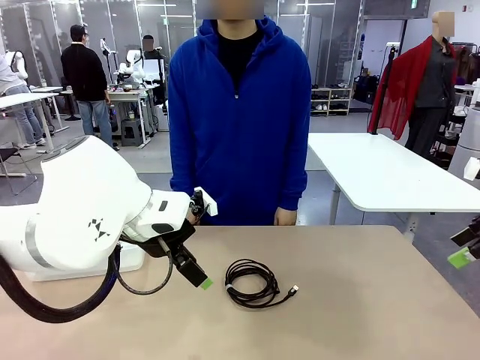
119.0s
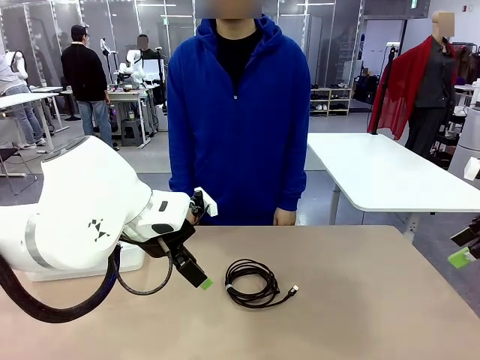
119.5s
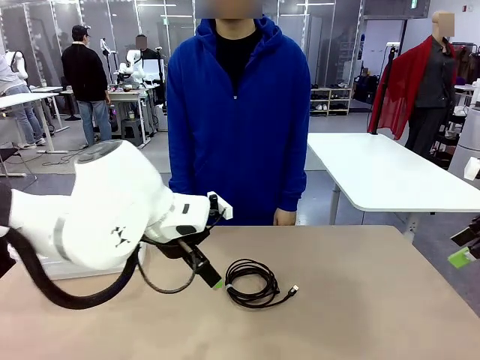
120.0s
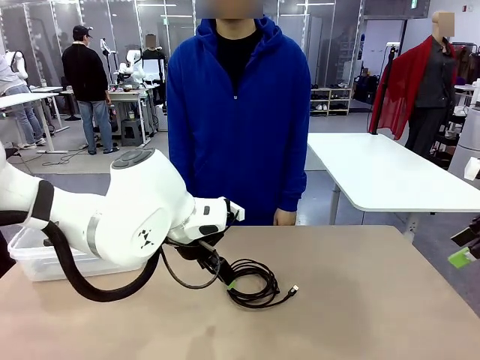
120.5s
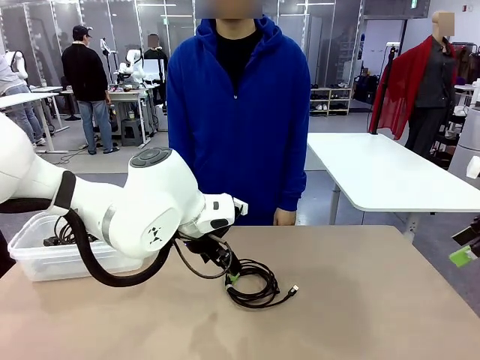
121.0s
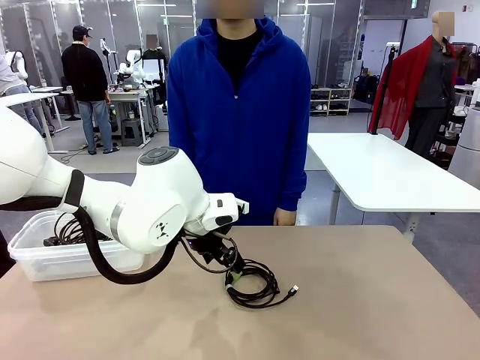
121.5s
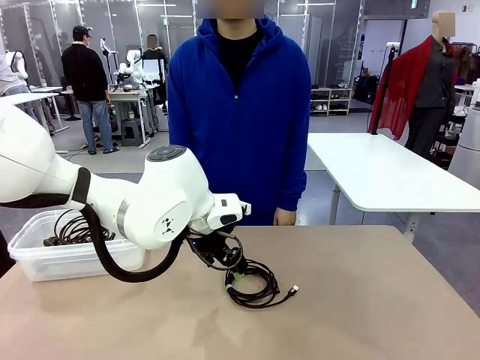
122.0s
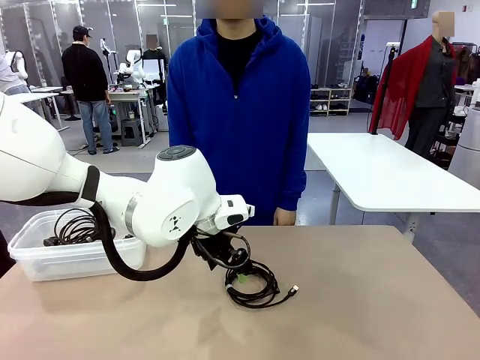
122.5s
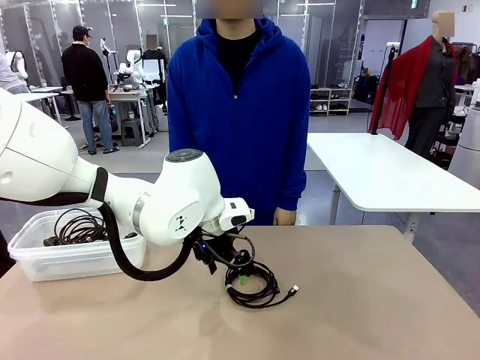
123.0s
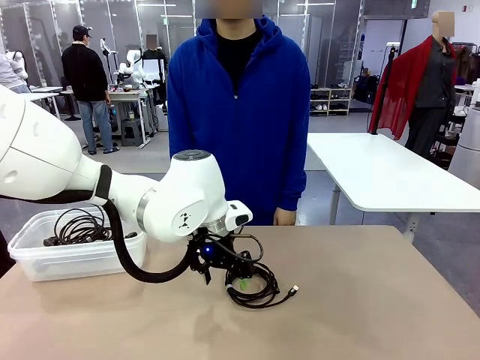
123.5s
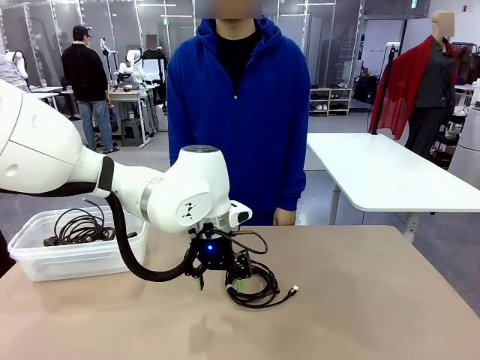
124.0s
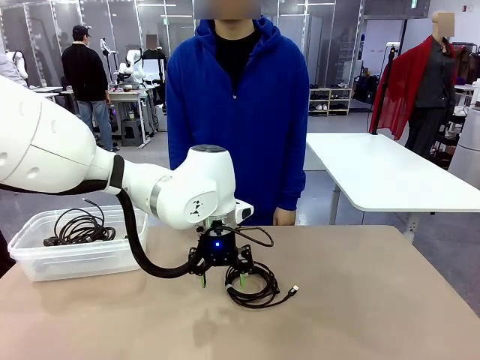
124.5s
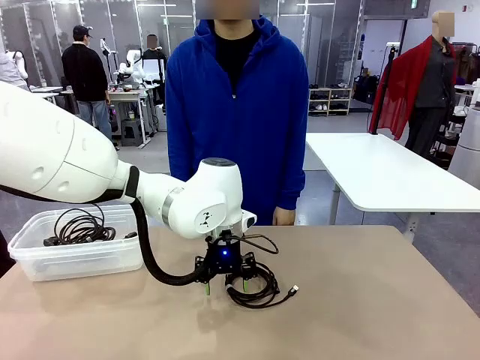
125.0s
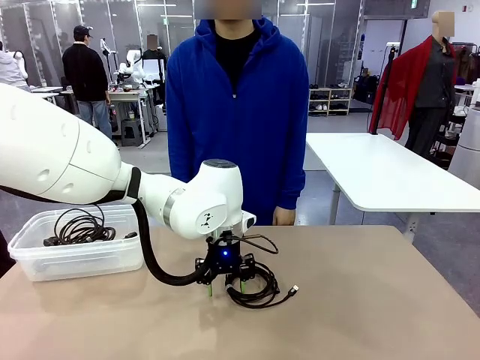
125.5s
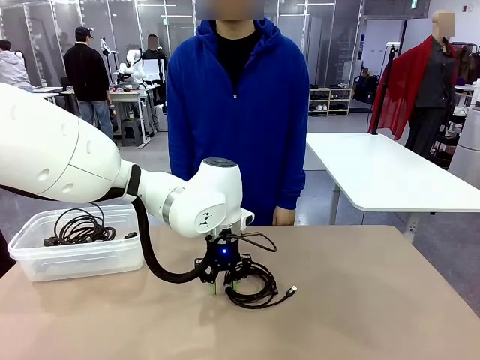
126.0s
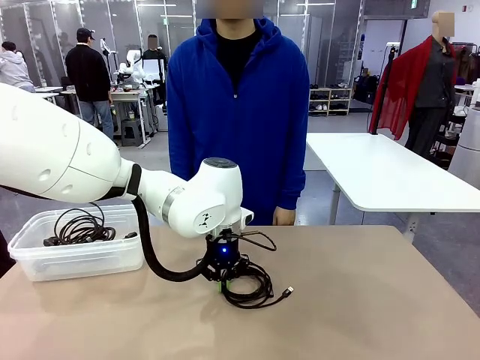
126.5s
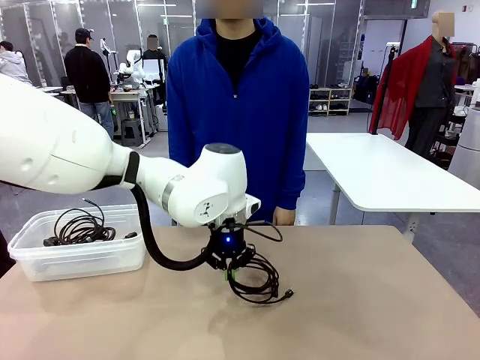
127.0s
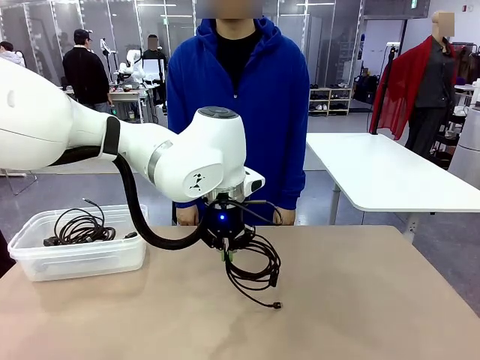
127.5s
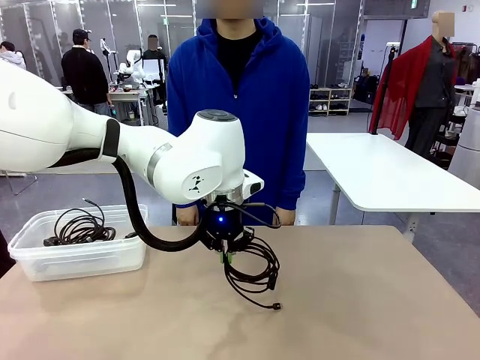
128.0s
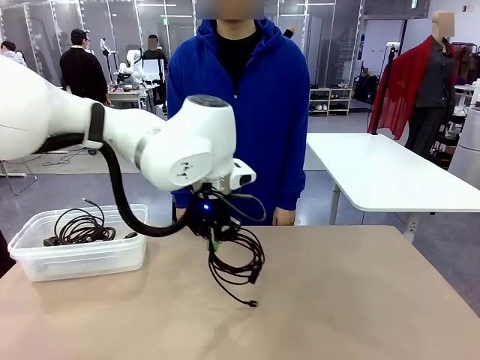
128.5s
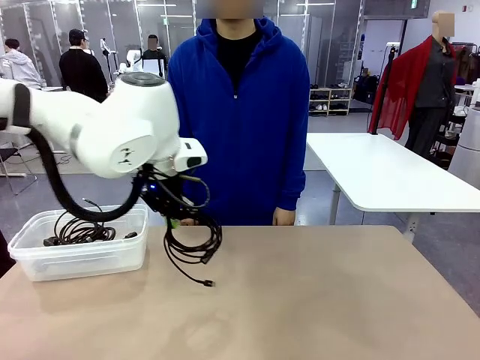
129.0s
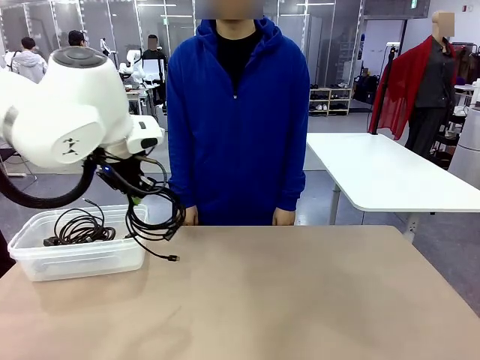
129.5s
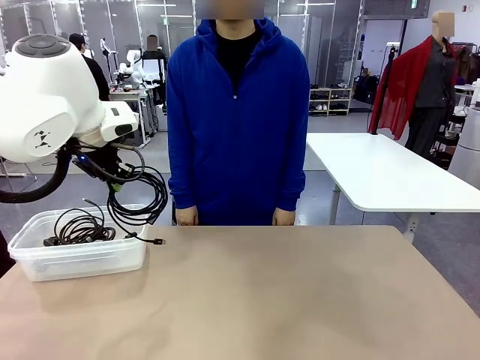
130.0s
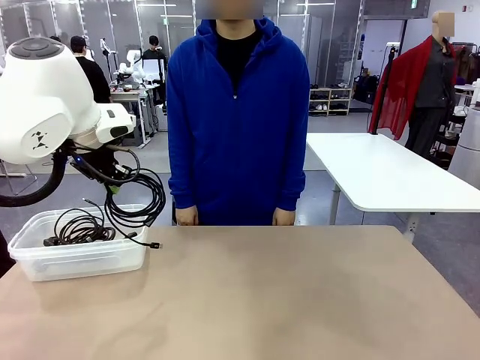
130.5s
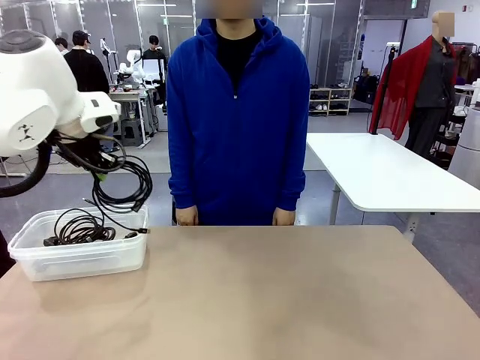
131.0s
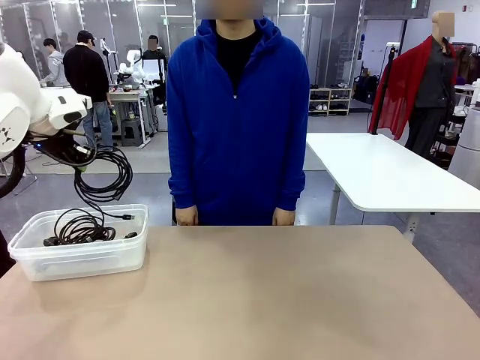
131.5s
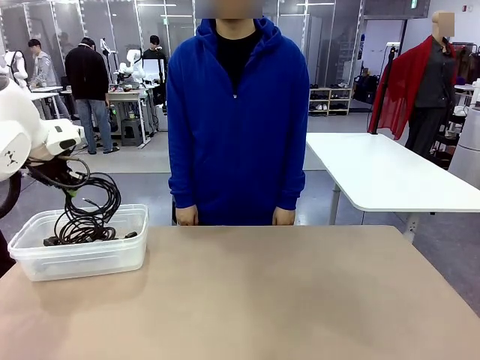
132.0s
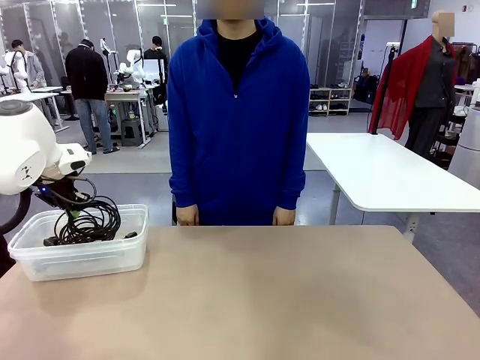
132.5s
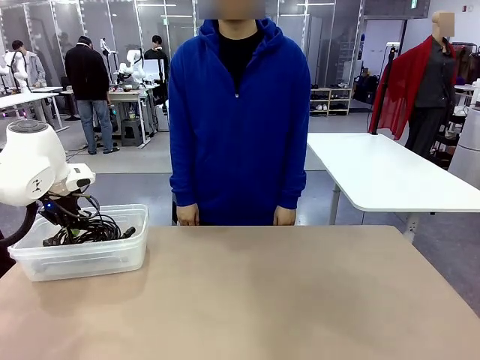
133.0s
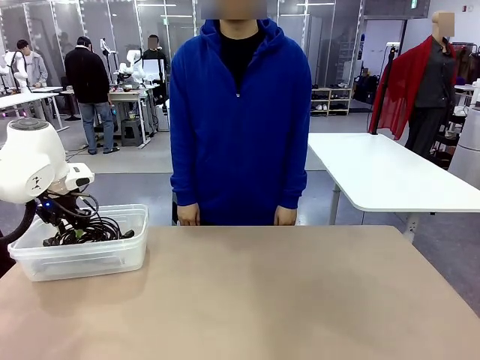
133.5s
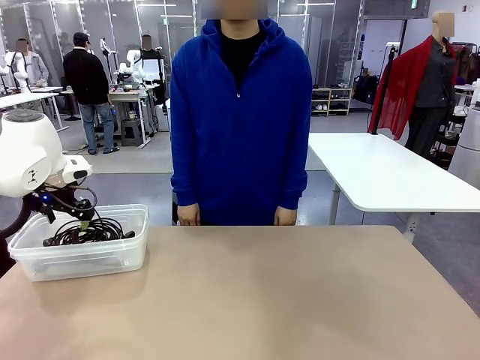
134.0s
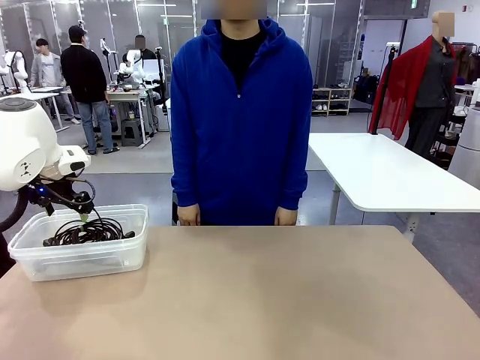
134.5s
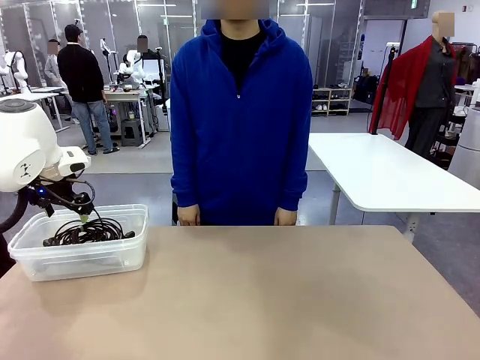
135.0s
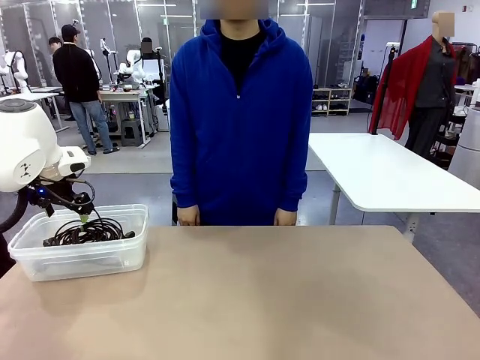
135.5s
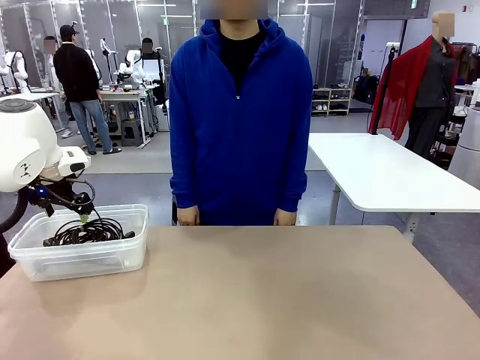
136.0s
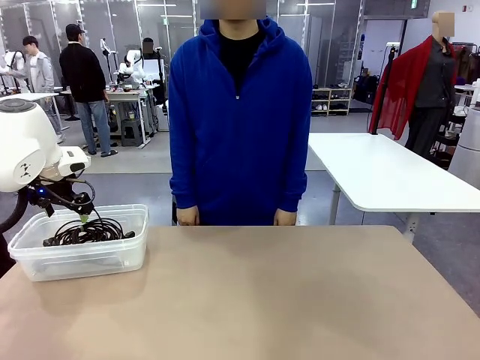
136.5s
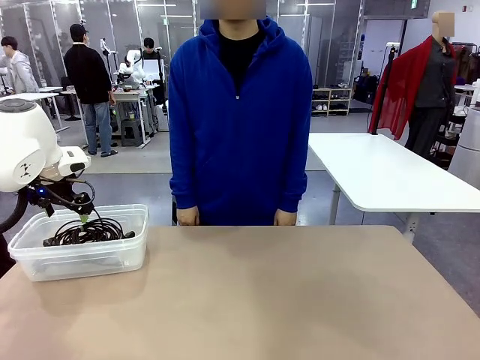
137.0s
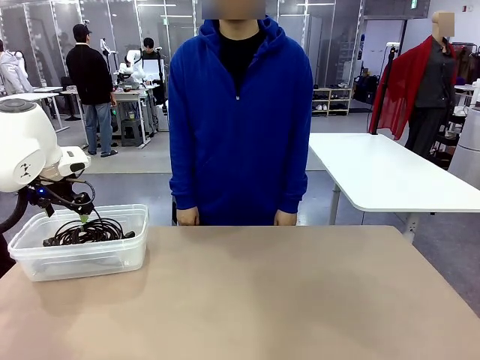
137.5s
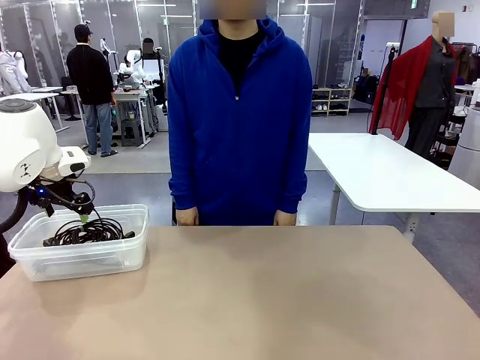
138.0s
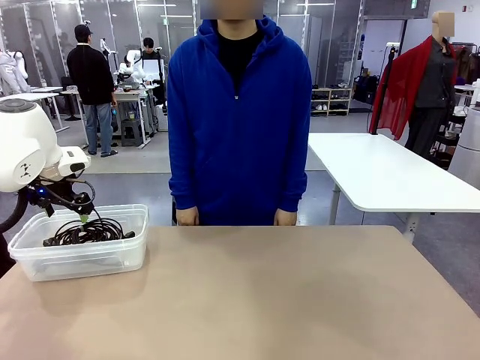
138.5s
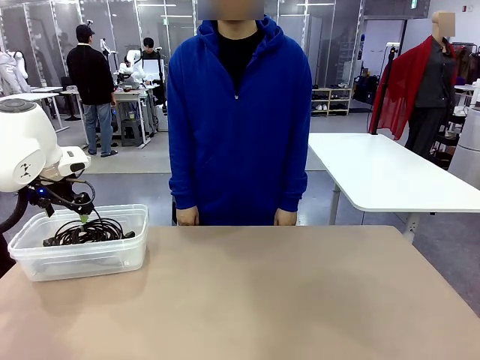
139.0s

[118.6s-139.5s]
Task: Organize and store the cables.
Robot: Place the USB Extension Cable into the Organizing box.
